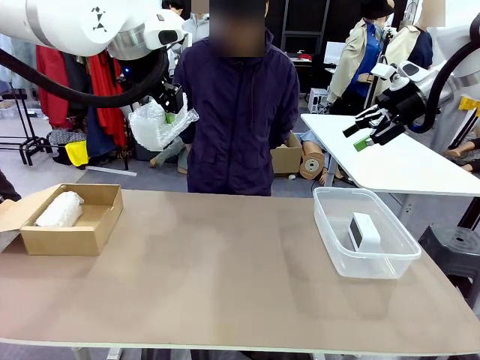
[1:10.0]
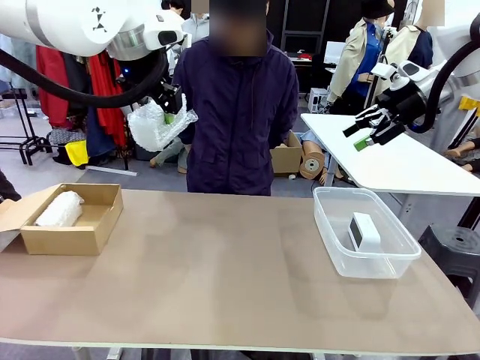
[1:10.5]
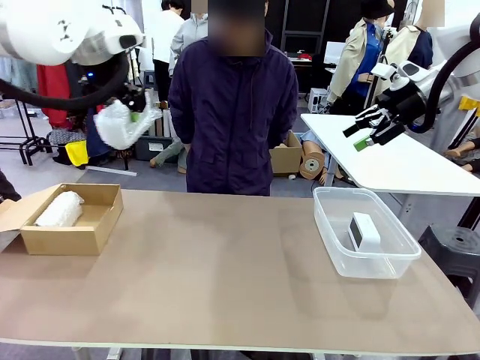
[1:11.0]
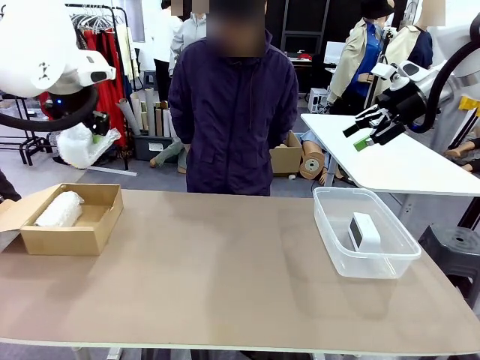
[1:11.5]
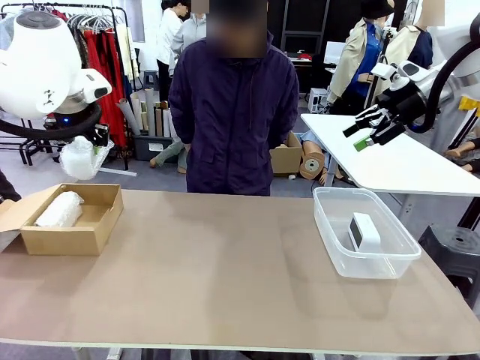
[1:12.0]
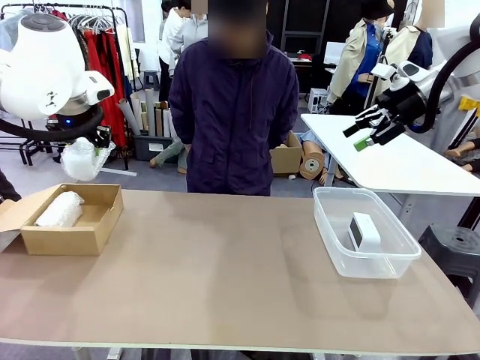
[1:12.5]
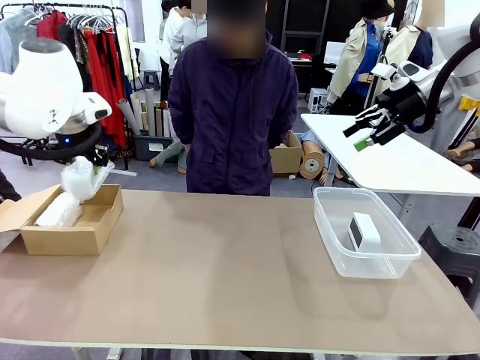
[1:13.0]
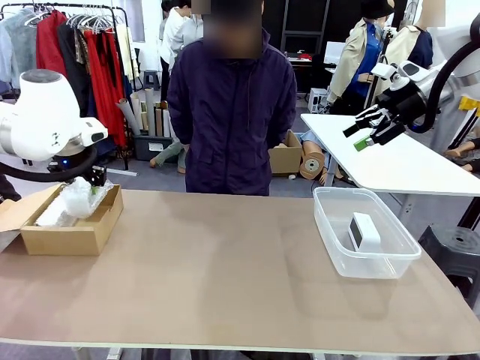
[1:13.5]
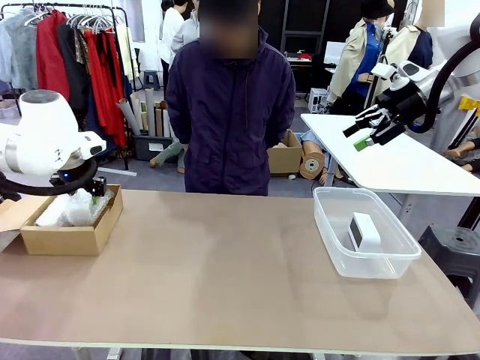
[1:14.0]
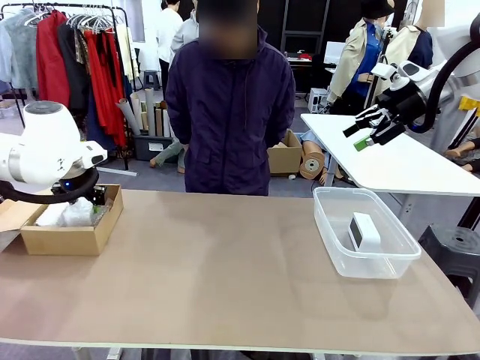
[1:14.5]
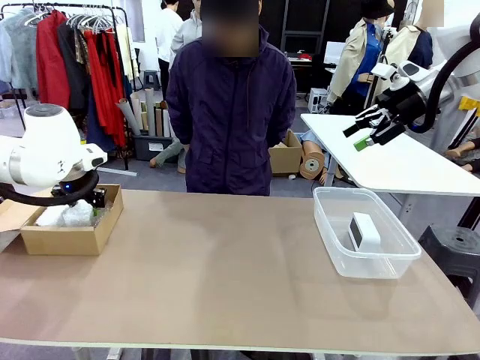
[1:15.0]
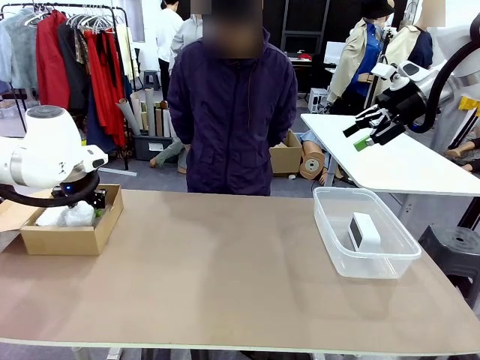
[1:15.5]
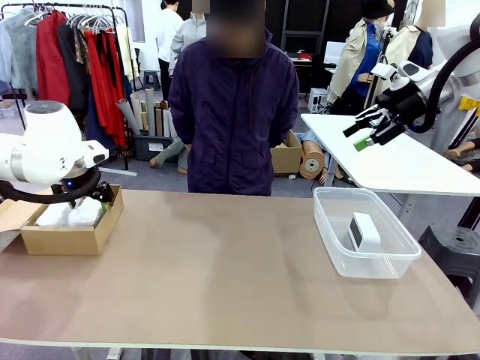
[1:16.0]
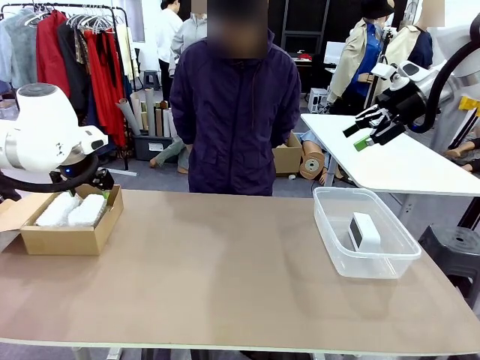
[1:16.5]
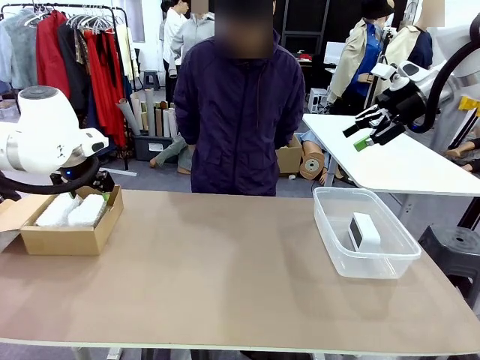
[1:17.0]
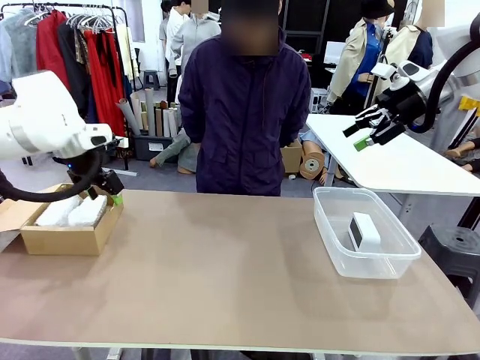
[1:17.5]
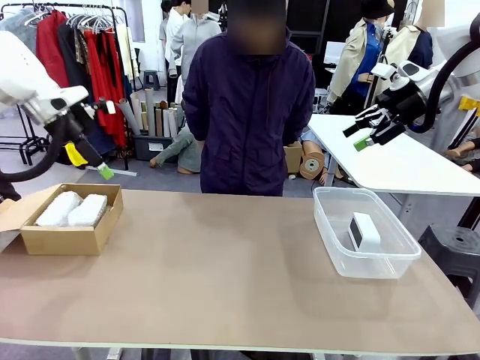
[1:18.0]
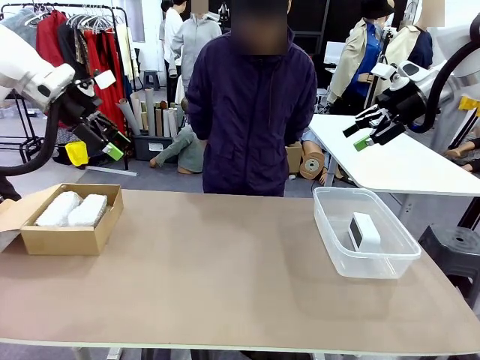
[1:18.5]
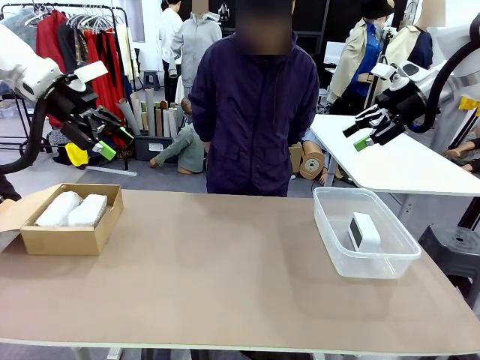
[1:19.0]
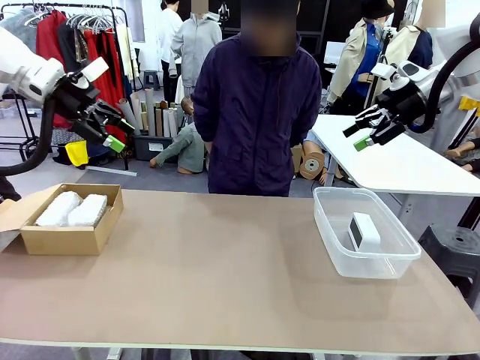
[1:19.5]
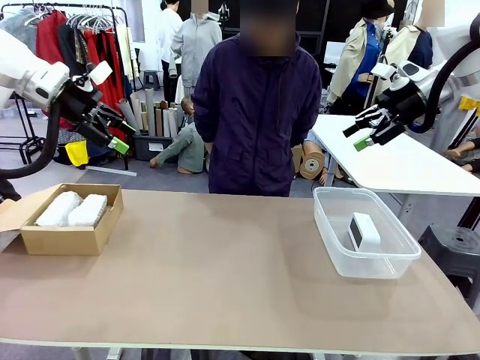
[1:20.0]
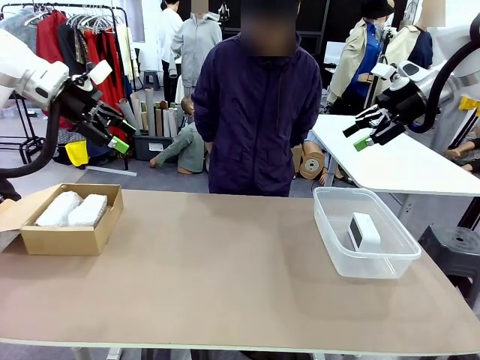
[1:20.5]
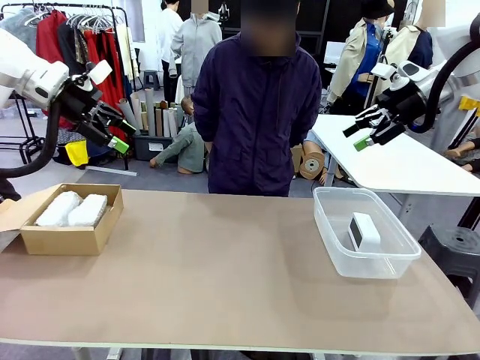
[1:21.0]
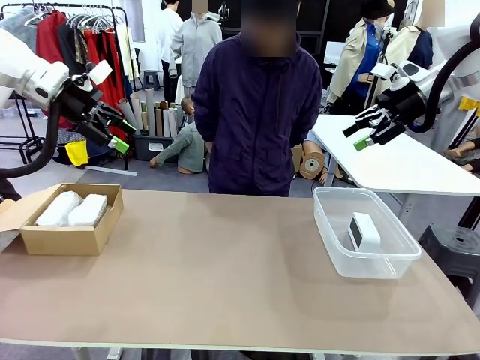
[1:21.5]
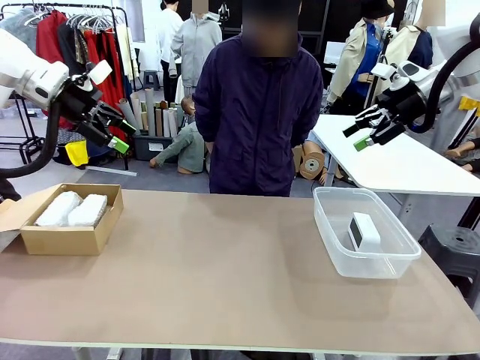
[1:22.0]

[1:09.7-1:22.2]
Task: Separate and place wrapped and unwrapped clocks.
Robot: If the picked Digital clock is wrapped, place it in the Package Box ; if not, place it in the Organizing box.

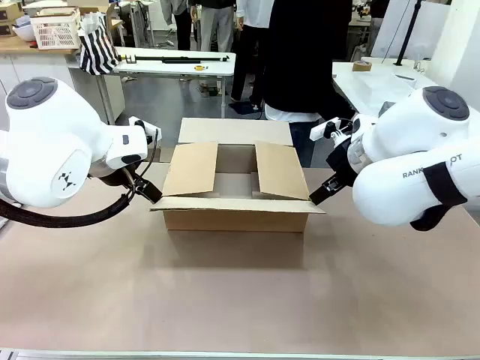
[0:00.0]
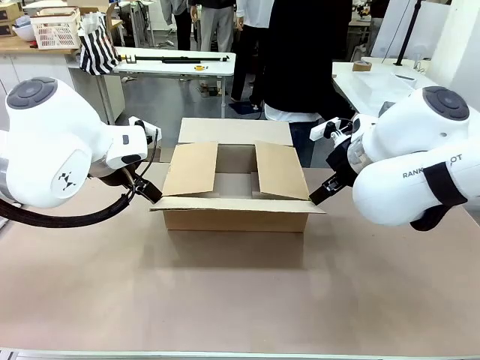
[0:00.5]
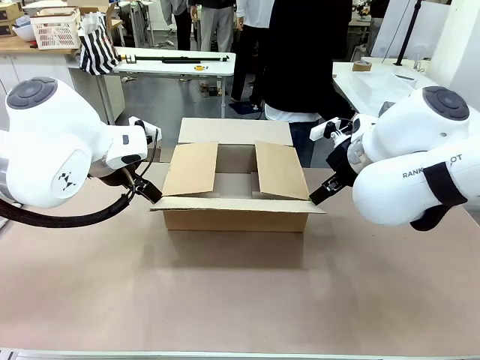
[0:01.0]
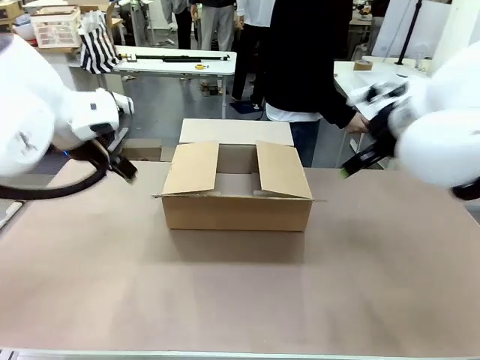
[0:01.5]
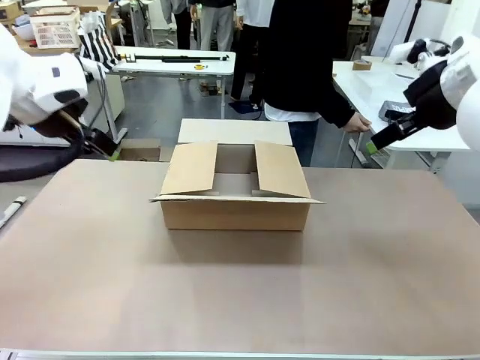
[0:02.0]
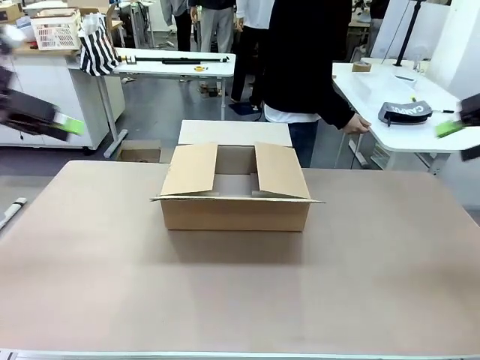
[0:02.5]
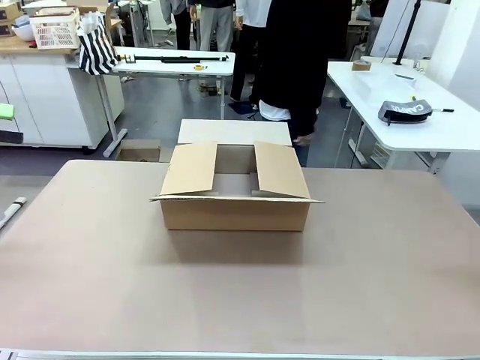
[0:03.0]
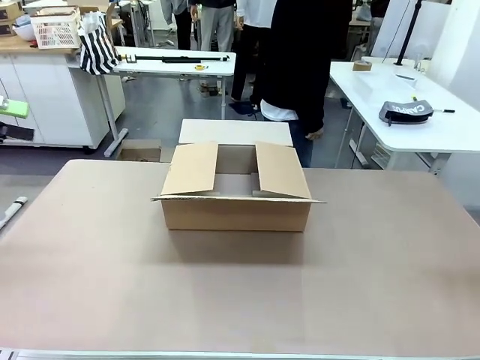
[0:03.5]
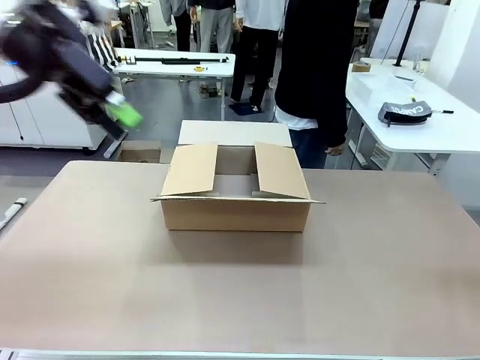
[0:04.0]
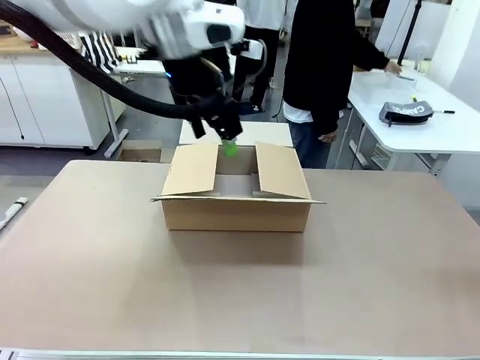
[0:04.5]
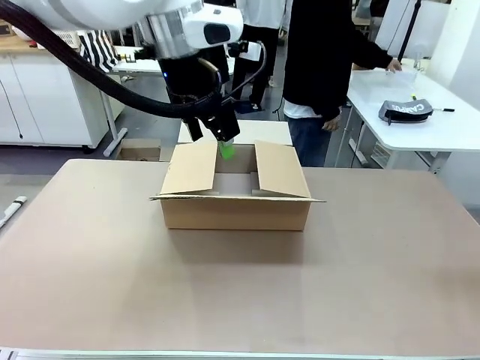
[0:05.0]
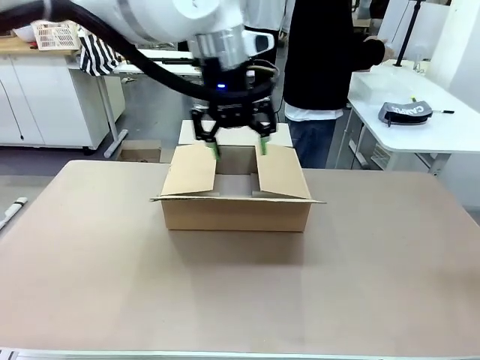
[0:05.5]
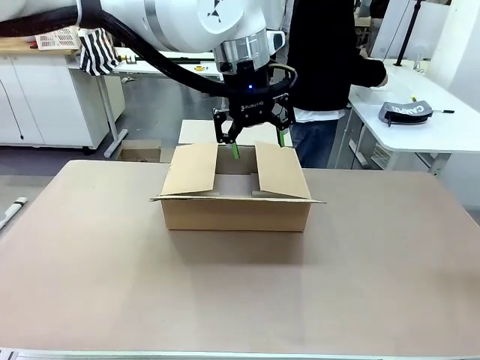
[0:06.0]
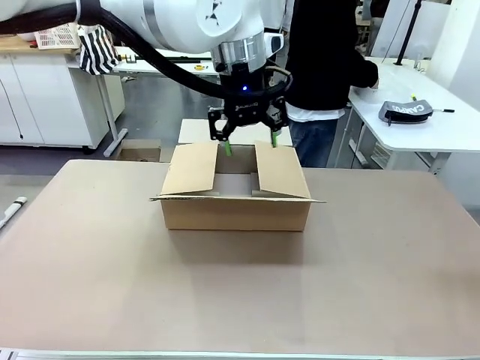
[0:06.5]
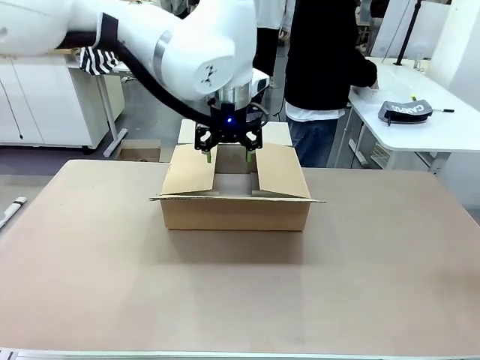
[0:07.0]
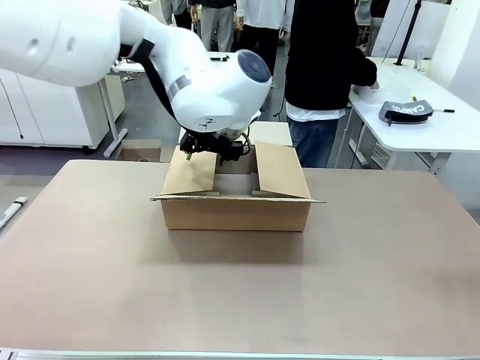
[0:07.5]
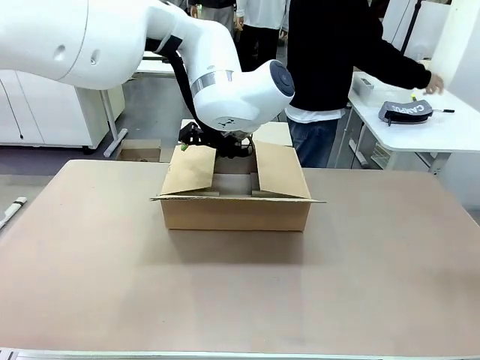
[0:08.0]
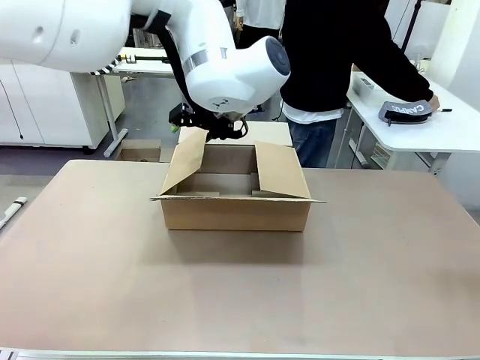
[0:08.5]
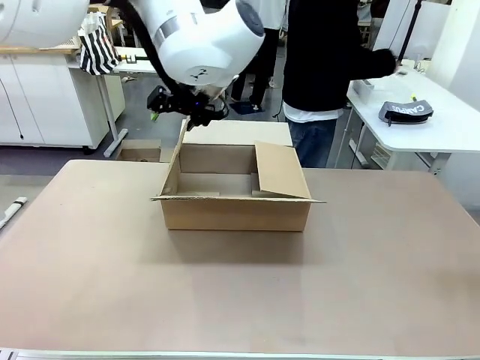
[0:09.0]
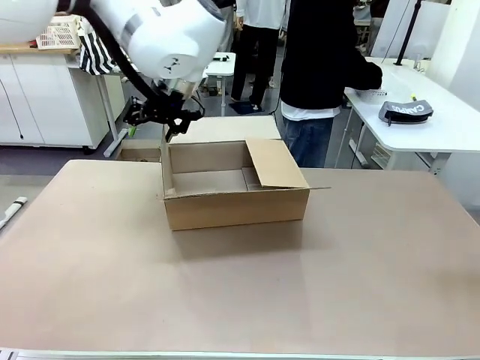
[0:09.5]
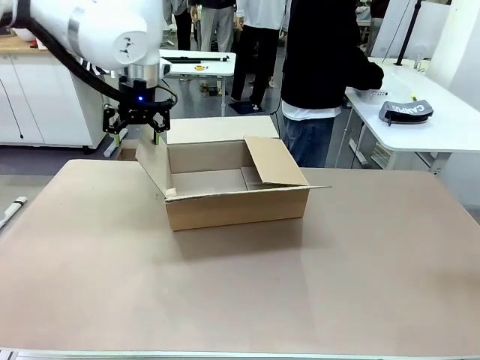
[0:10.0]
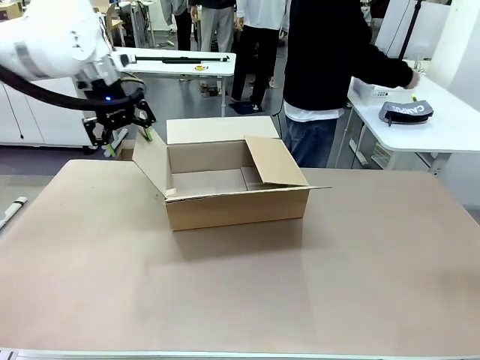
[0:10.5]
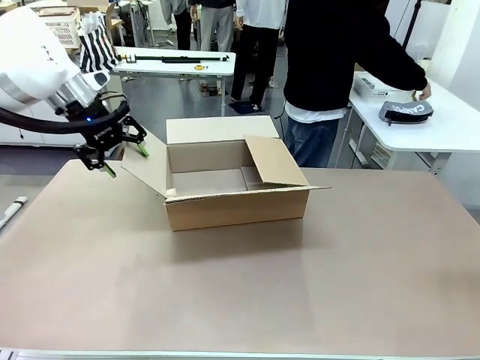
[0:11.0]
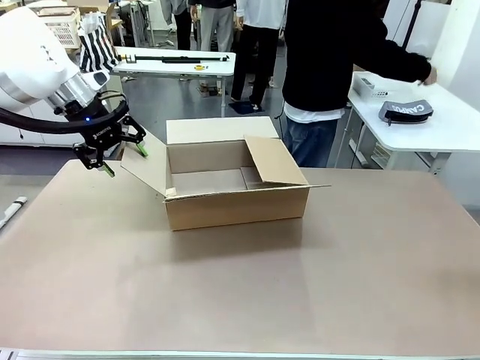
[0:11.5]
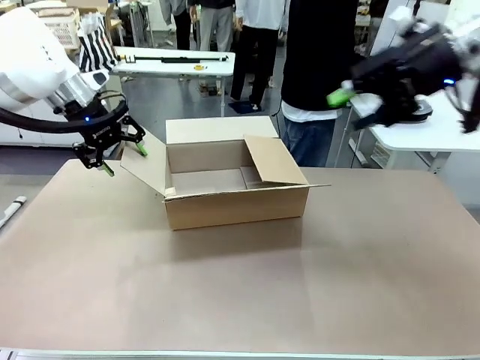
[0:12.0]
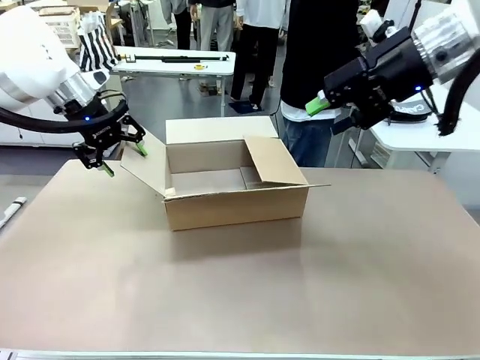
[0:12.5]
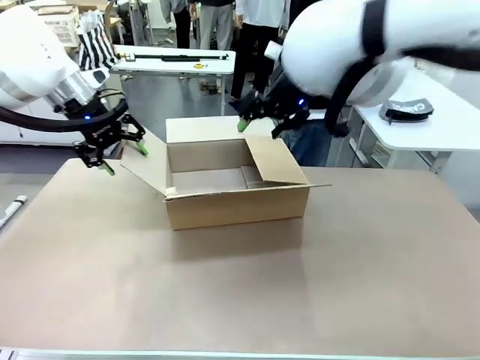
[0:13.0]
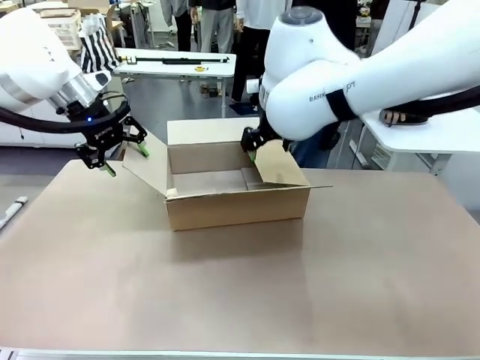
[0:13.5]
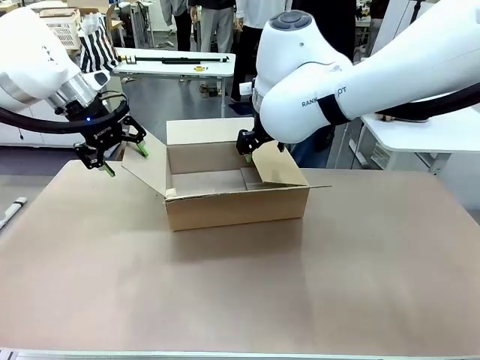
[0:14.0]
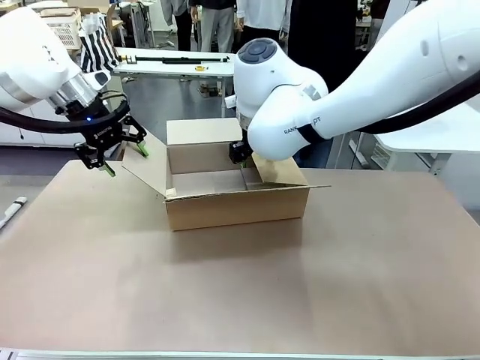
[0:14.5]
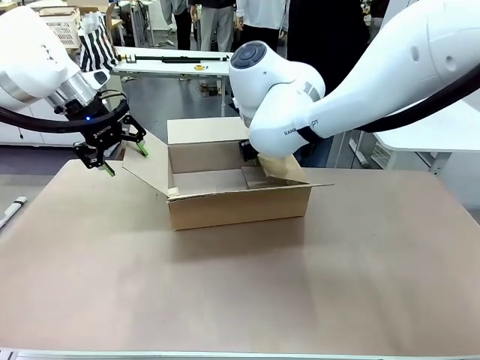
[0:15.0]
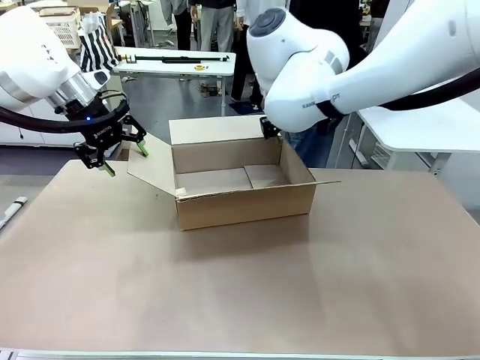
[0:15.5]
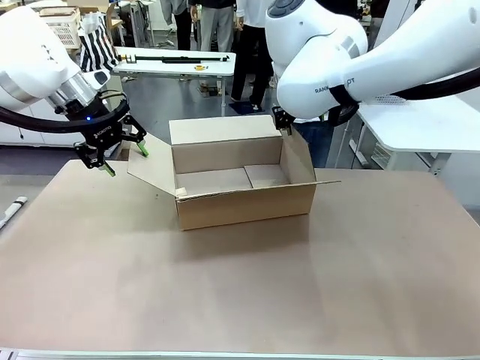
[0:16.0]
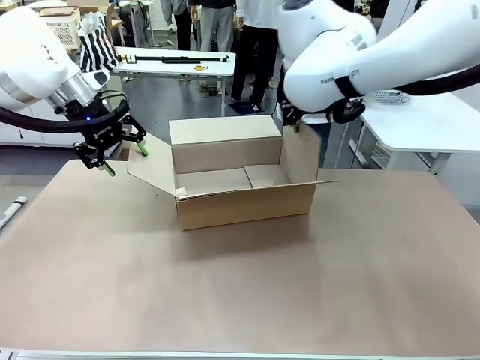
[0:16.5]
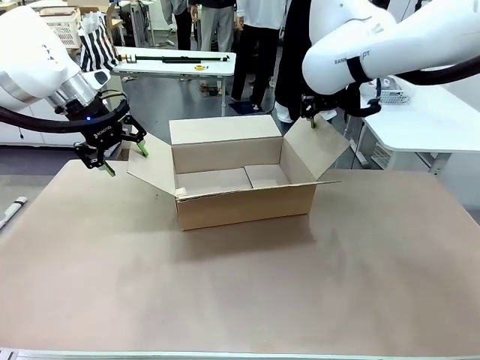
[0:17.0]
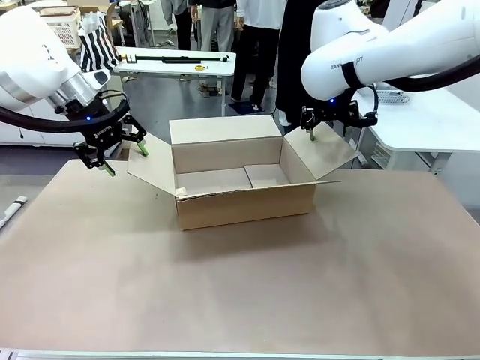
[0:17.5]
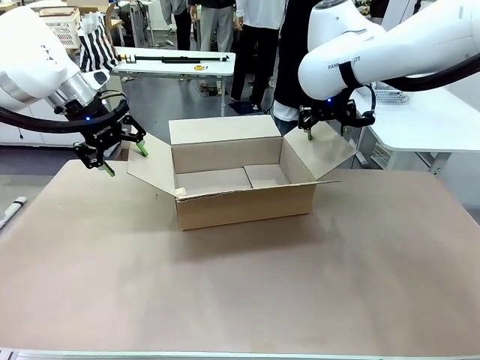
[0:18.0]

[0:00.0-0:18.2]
Task: Pack the gift set into the box.
Robot: Place both hands on the side flaps of the Package Box and spread them outward.
Person: The human places all items except the paper tape into the organizing basket.
